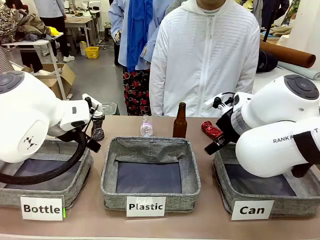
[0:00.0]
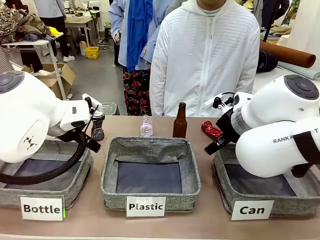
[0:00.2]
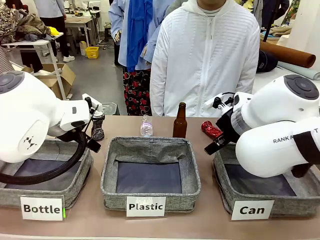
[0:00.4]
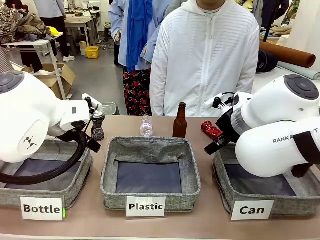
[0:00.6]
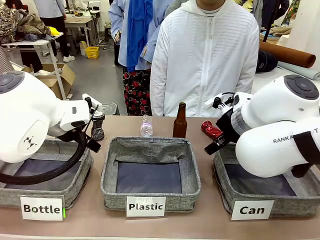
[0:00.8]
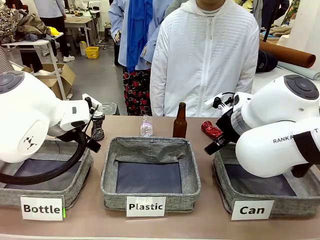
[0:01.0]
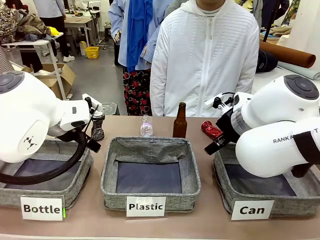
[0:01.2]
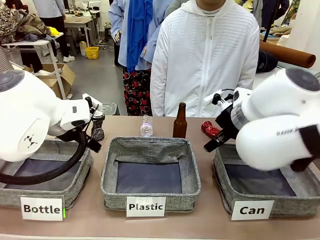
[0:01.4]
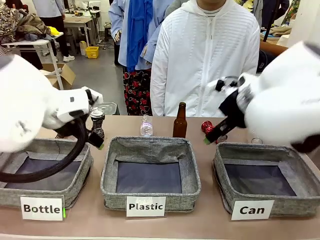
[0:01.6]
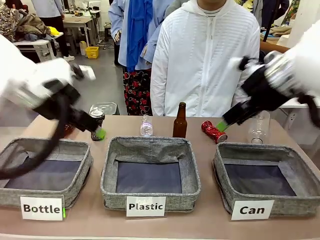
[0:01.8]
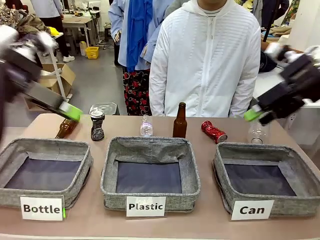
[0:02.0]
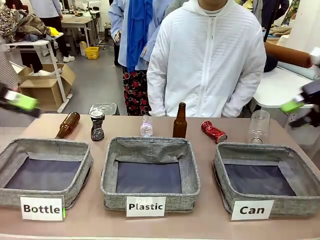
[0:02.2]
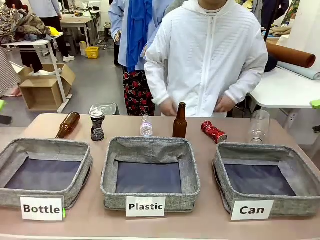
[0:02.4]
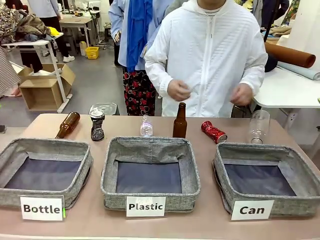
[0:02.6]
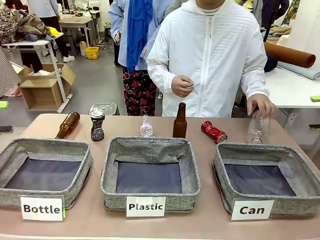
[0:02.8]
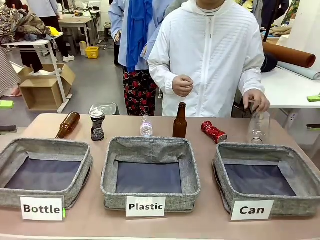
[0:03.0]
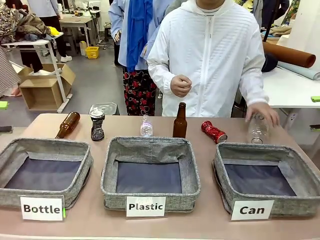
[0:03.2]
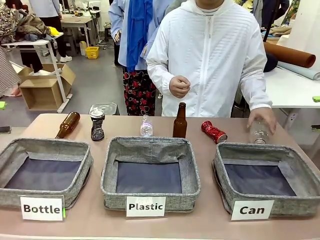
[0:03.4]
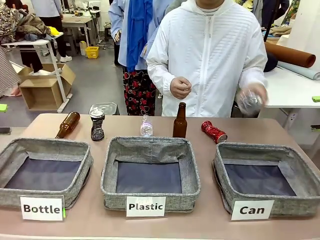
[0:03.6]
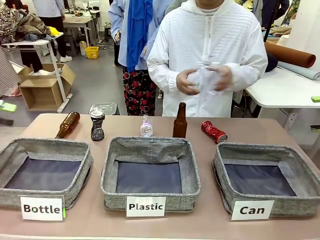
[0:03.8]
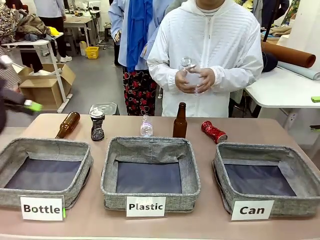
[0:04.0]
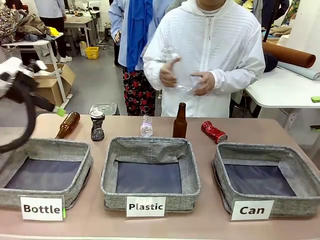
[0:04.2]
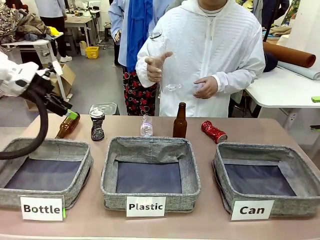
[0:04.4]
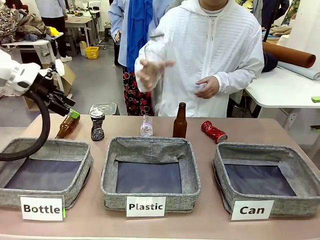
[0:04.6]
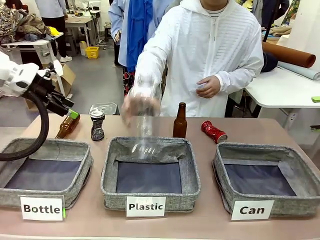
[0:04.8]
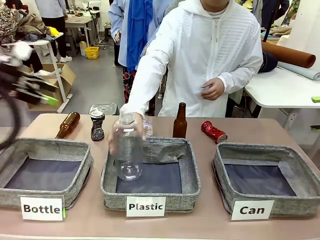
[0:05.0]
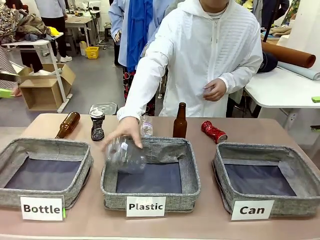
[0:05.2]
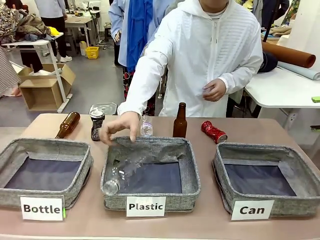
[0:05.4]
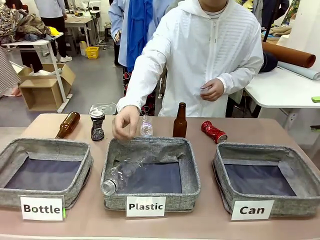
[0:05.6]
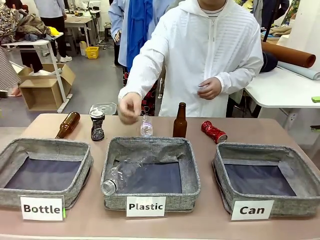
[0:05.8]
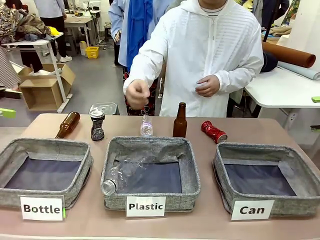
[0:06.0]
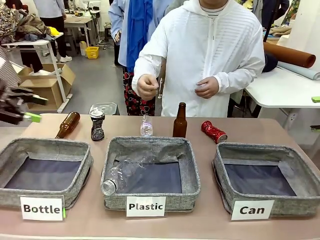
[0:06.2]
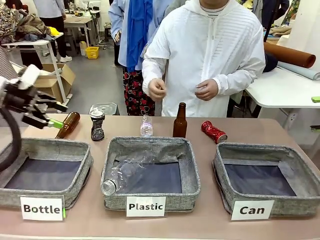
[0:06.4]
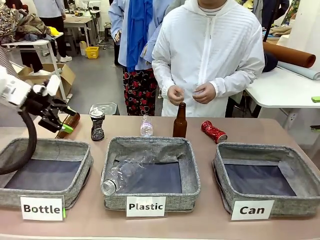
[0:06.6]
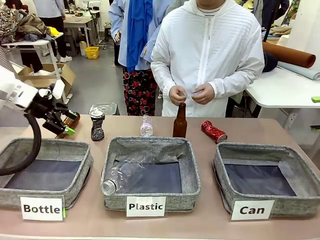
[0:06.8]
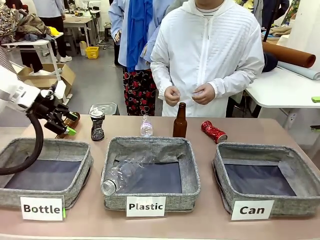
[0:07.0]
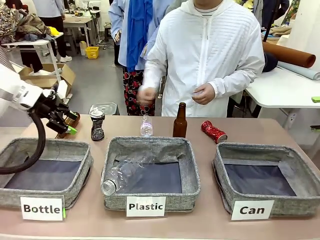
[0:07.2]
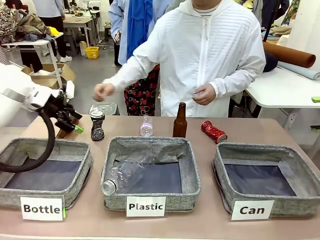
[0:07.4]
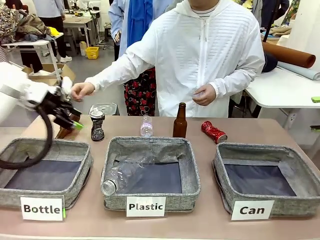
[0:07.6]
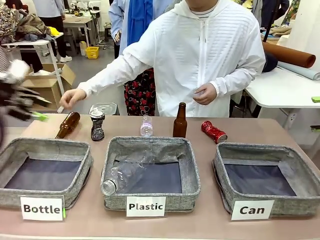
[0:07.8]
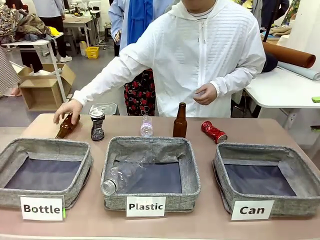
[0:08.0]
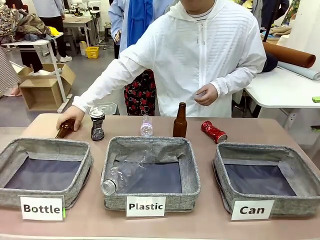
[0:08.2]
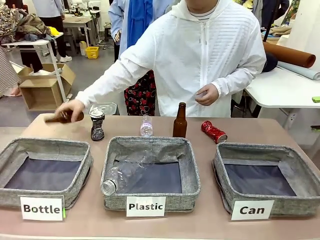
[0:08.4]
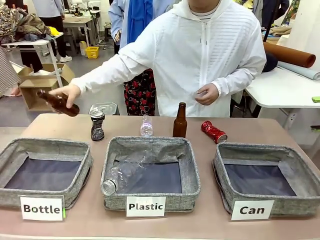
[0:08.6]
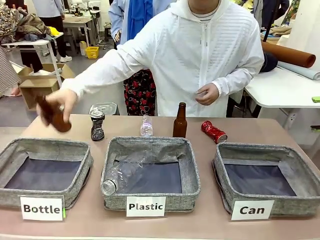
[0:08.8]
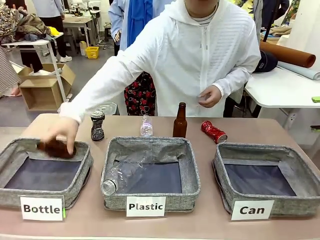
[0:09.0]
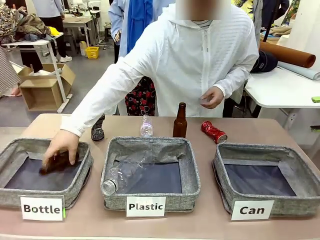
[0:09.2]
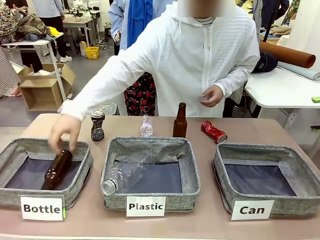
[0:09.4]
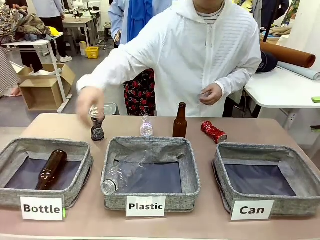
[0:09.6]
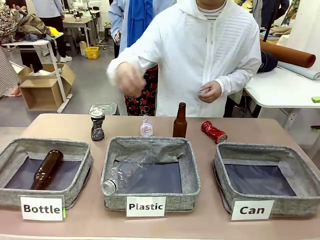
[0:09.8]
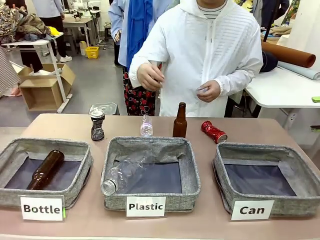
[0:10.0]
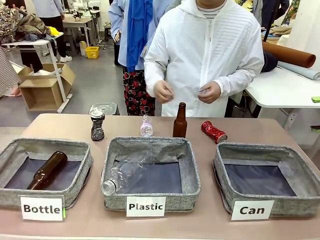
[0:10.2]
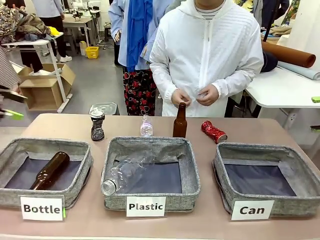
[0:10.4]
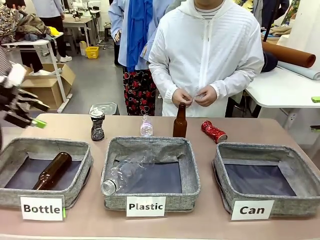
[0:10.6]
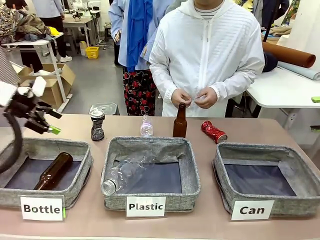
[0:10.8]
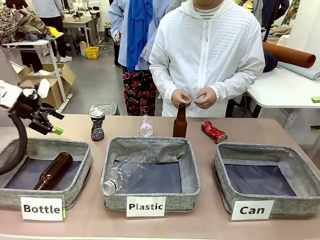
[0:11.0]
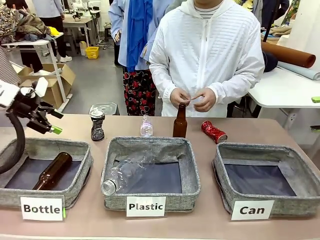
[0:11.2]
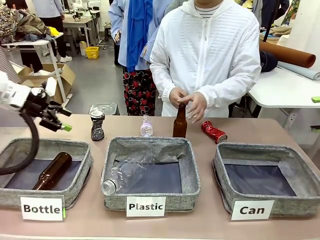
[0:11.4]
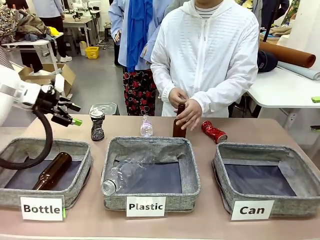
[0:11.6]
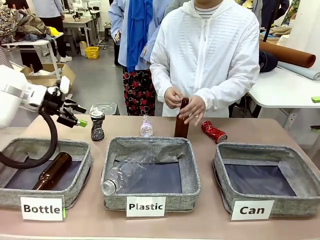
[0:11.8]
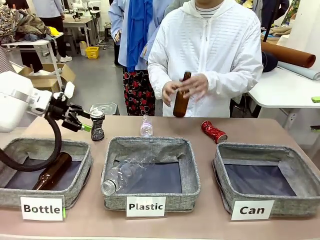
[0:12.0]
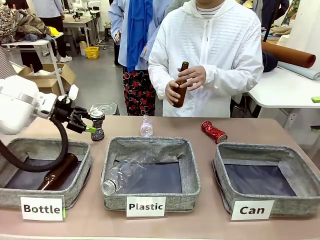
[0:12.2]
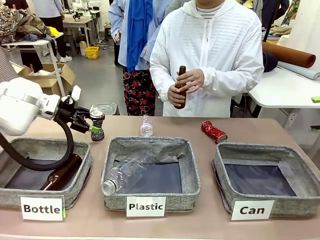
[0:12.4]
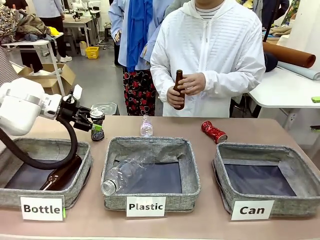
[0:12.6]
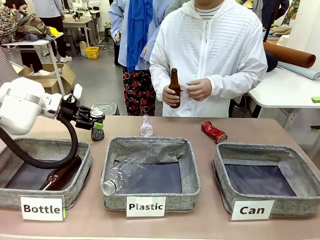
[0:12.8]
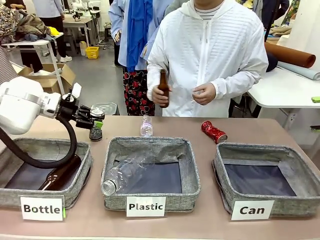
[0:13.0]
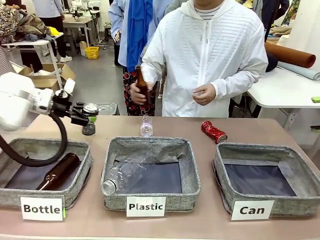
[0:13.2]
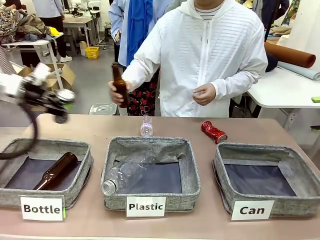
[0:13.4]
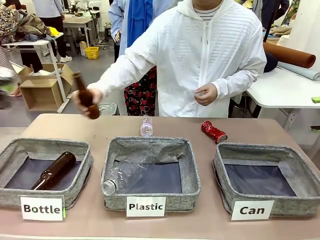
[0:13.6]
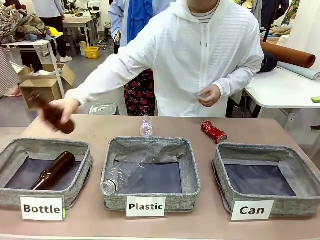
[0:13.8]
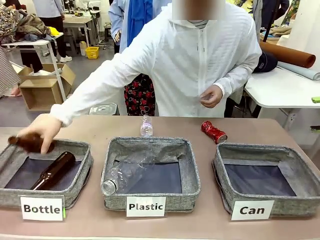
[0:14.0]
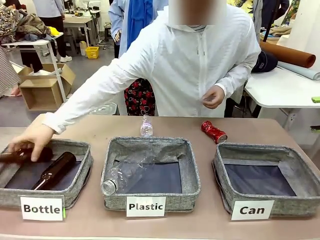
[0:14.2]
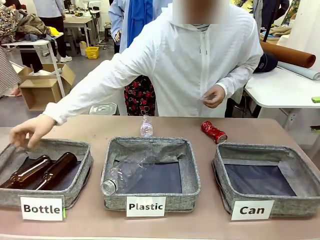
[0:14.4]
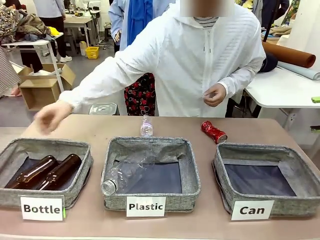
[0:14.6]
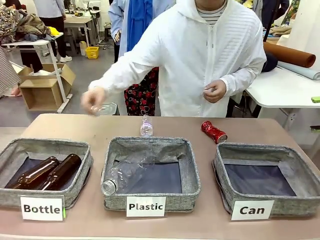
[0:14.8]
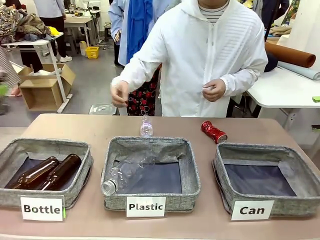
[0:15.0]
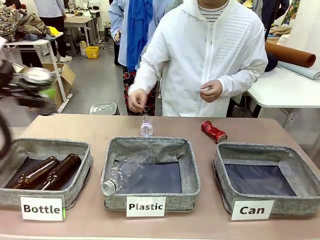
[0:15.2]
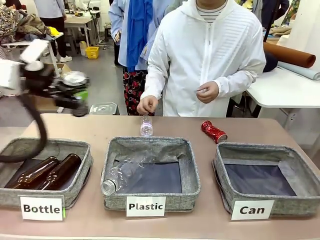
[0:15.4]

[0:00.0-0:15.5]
Task: Sort the can waste into the basket.
Robot: Pick up the can waste from the table and place it in the right Fabric basket.
